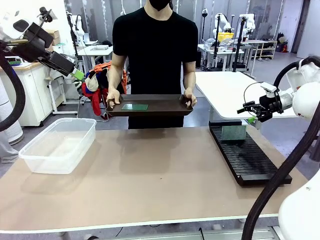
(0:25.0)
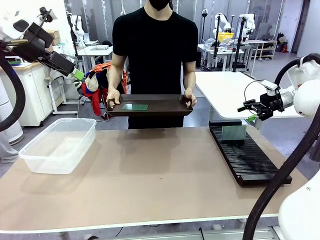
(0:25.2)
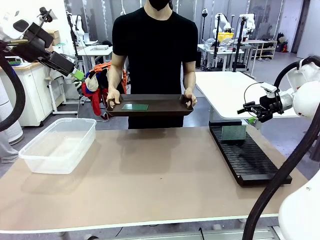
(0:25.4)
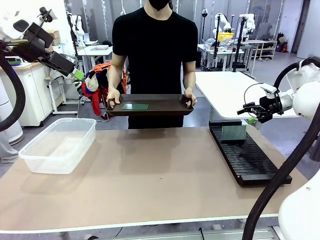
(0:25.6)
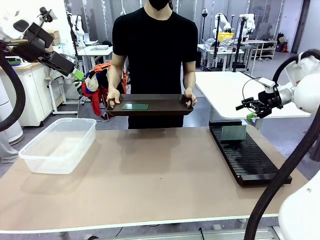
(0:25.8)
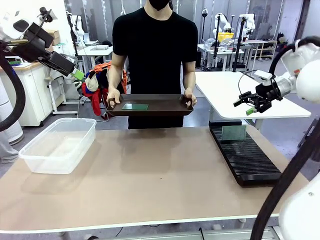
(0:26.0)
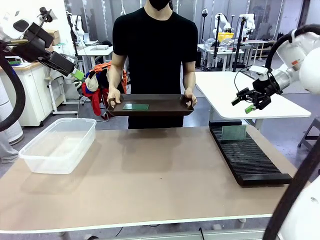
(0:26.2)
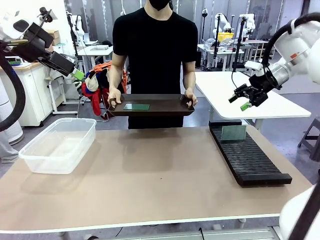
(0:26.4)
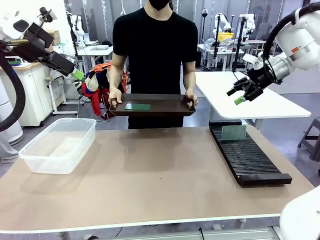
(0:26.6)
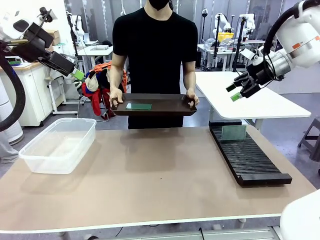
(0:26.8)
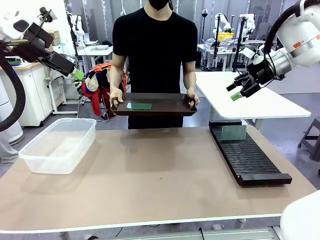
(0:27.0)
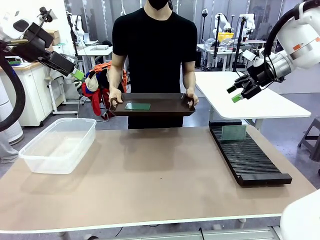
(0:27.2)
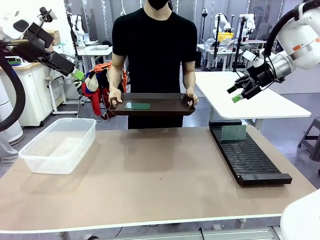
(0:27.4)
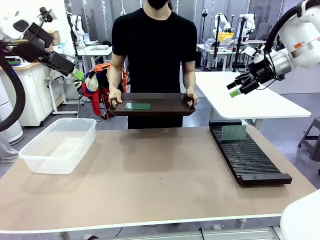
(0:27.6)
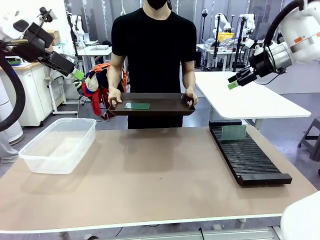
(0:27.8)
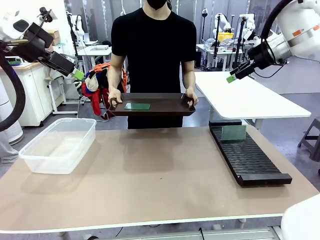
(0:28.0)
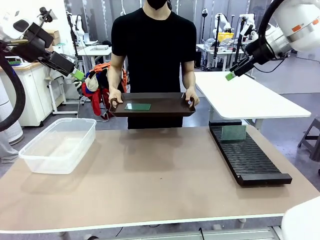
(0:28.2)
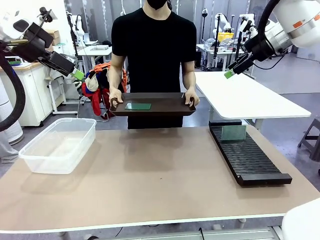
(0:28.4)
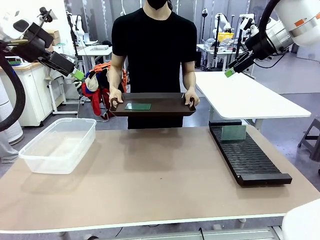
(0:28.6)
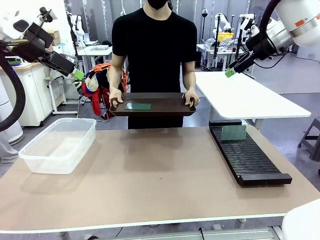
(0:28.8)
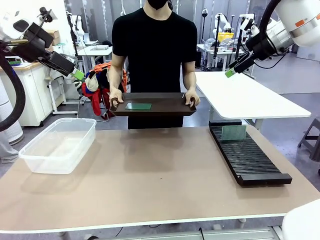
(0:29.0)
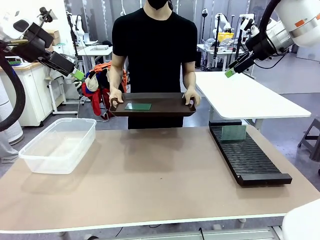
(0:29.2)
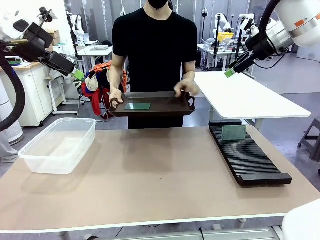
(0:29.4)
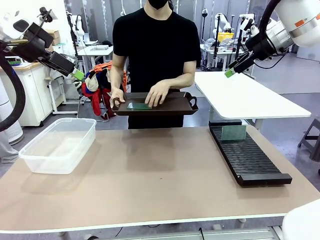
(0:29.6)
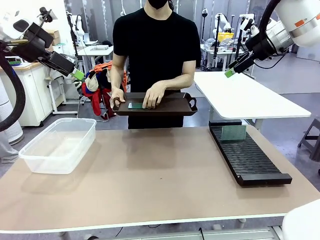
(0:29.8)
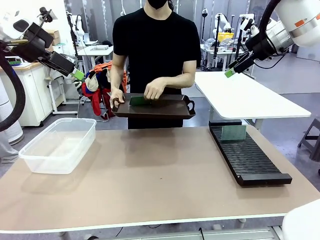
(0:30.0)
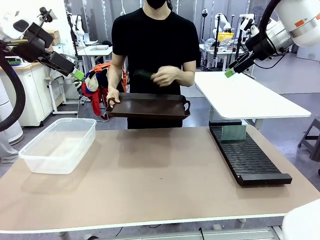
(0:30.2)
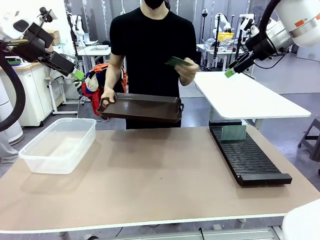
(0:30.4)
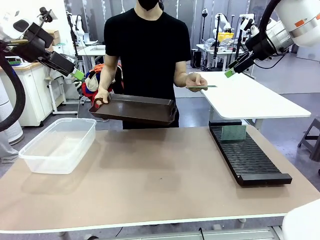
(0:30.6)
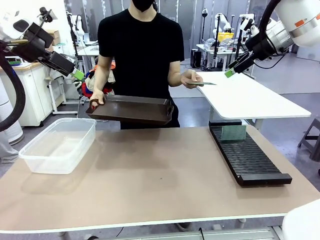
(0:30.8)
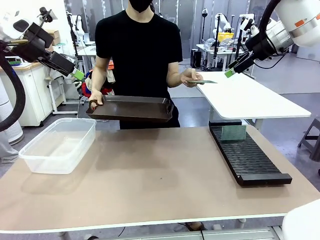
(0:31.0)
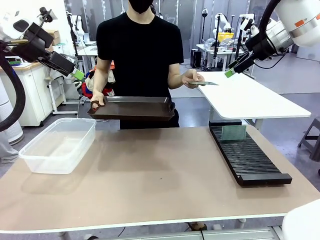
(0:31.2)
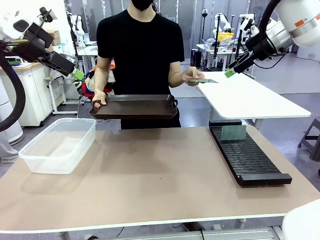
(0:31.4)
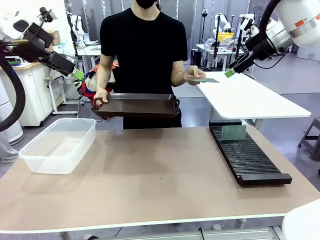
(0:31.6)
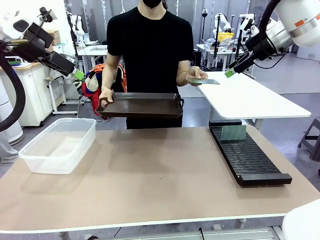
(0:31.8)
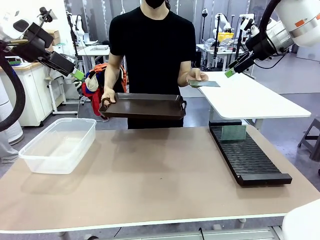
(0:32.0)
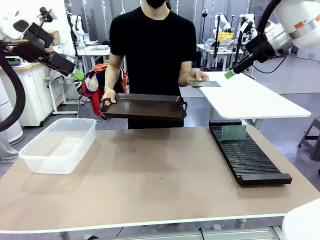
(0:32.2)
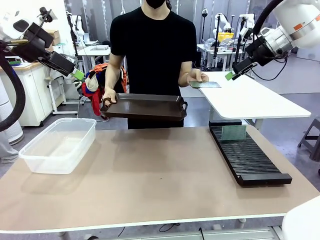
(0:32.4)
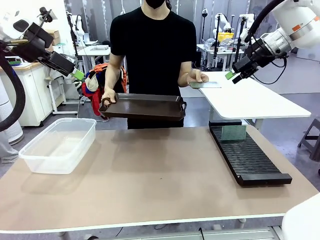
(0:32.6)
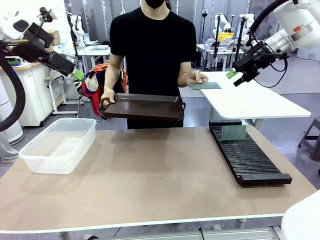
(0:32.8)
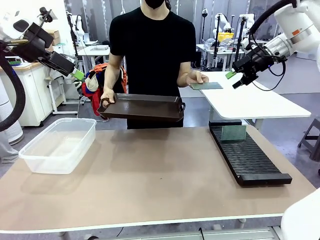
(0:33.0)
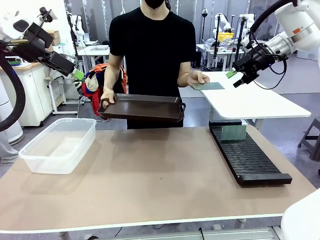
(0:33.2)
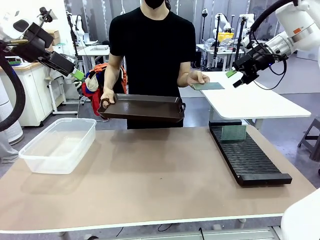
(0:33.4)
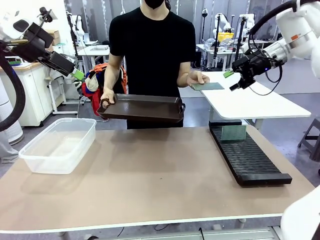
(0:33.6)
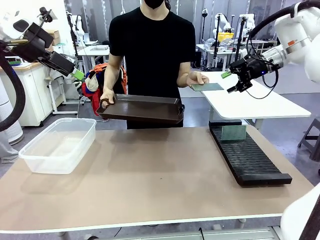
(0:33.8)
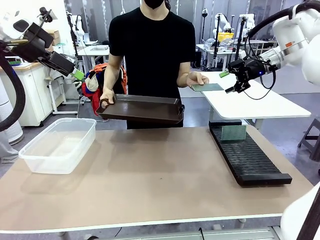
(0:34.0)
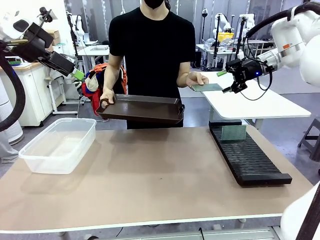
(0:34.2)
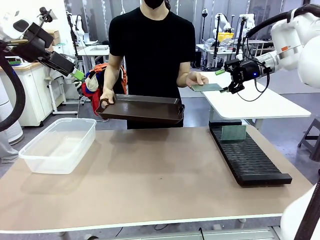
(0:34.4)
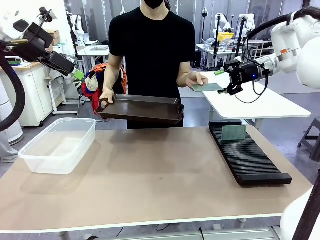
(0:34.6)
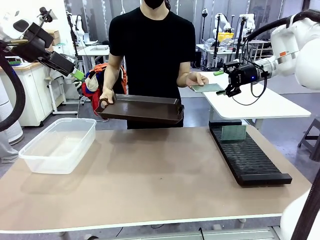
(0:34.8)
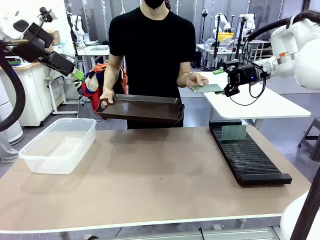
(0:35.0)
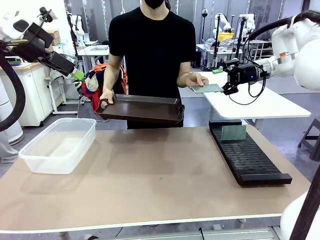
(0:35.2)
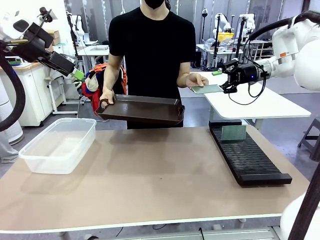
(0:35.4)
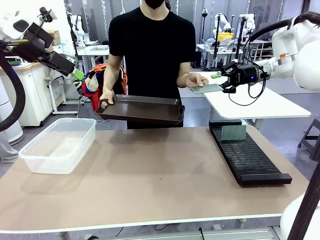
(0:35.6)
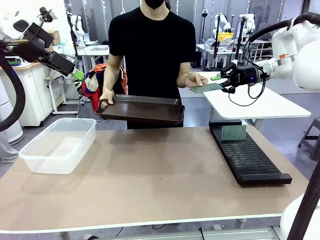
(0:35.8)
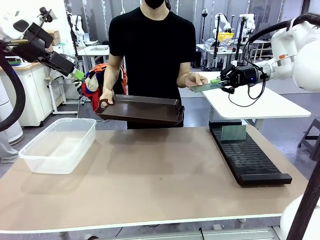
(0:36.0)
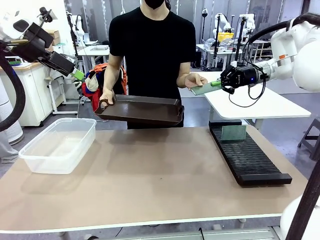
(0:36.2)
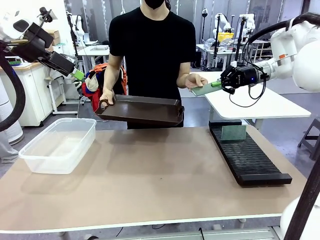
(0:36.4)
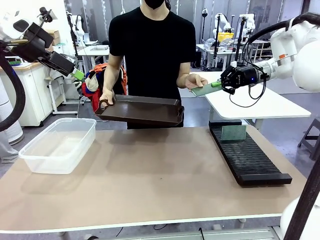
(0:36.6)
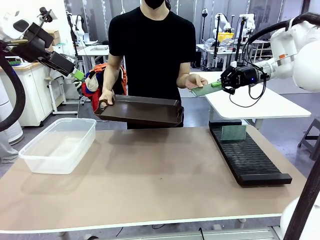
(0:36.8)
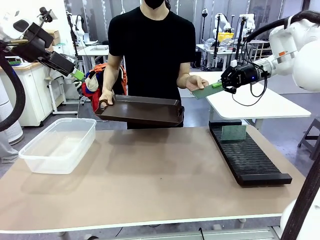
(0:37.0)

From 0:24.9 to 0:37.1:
Task: Sort PCBs into racks and boxes based on the side picked up.
Robot: Pick up the Blank PCB handed by the Human.

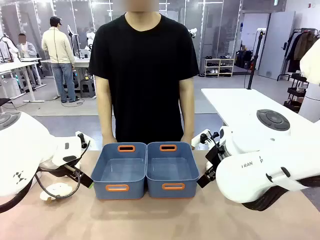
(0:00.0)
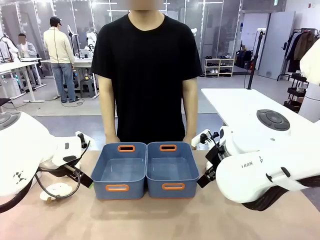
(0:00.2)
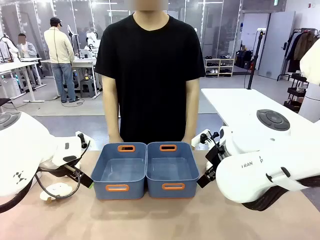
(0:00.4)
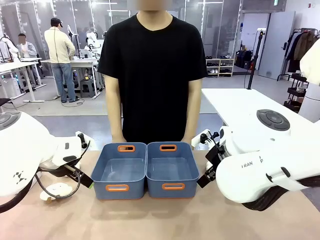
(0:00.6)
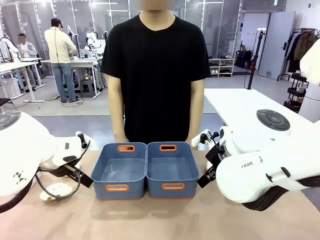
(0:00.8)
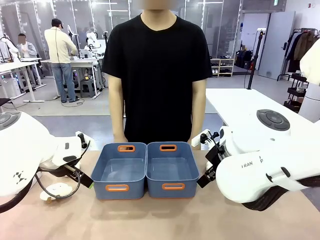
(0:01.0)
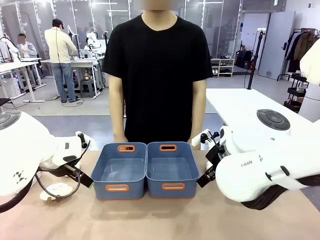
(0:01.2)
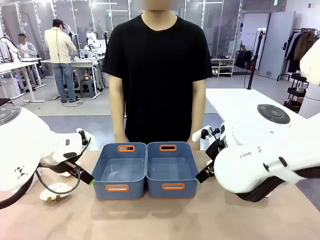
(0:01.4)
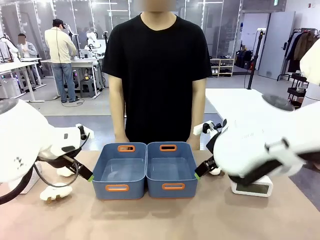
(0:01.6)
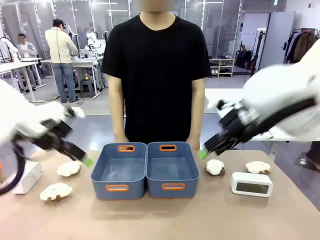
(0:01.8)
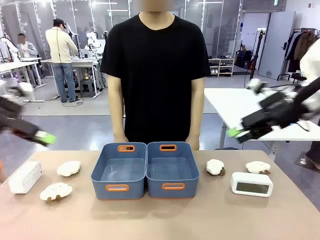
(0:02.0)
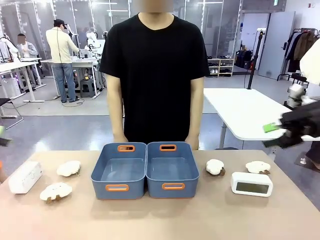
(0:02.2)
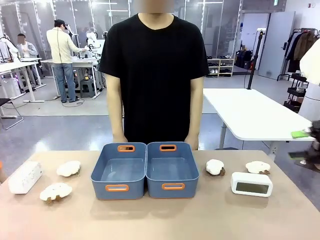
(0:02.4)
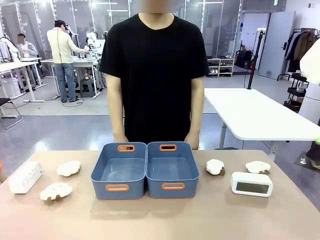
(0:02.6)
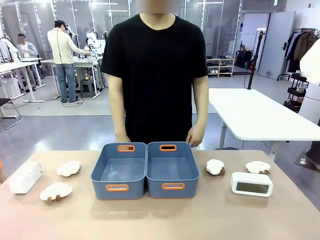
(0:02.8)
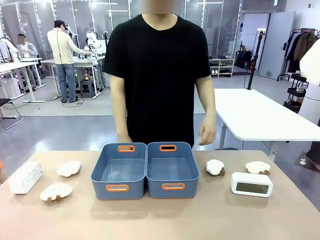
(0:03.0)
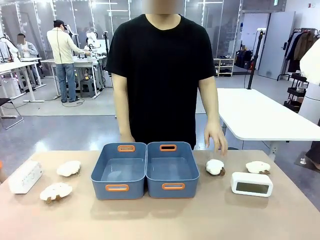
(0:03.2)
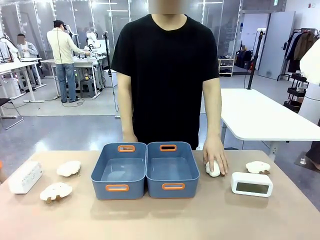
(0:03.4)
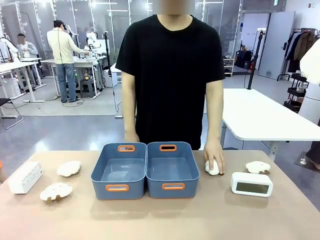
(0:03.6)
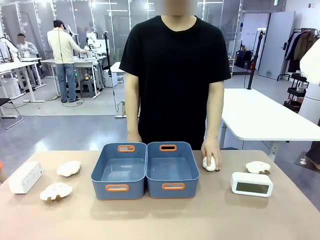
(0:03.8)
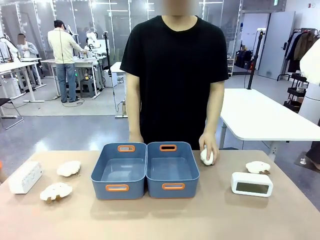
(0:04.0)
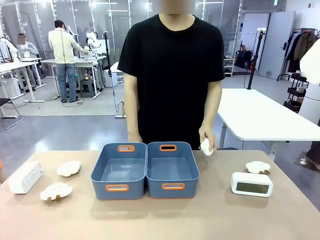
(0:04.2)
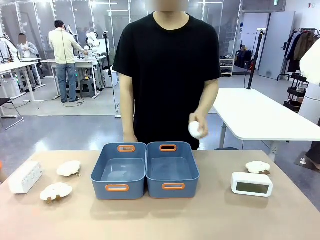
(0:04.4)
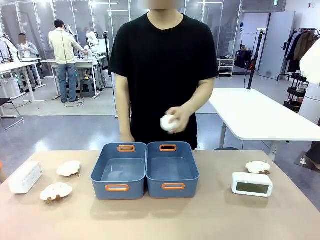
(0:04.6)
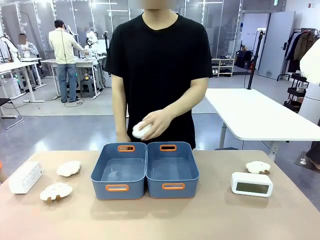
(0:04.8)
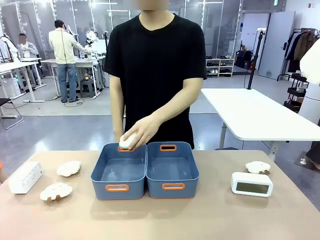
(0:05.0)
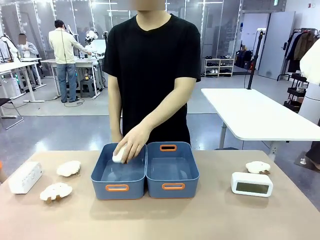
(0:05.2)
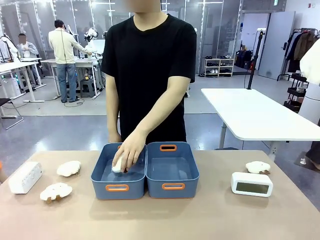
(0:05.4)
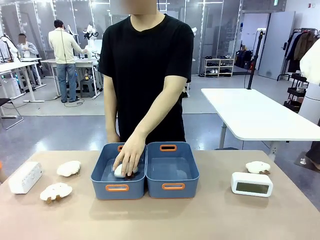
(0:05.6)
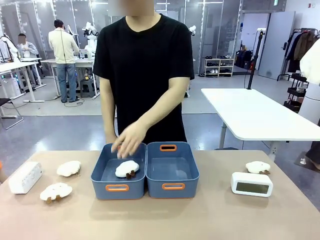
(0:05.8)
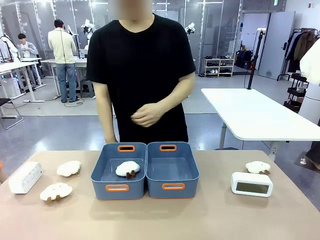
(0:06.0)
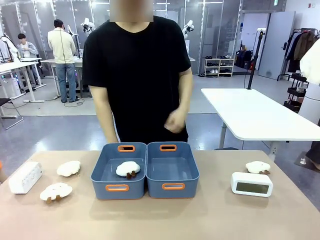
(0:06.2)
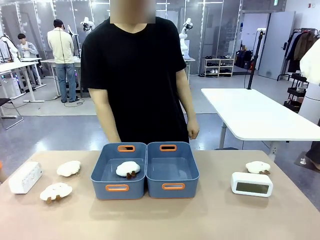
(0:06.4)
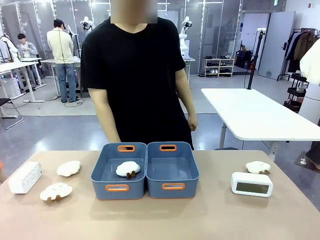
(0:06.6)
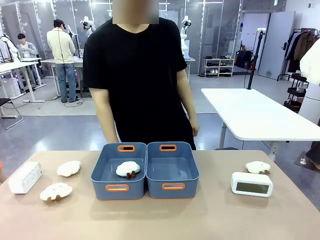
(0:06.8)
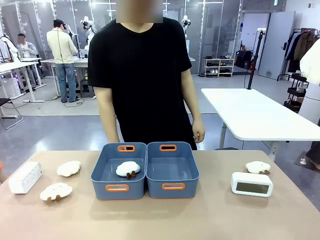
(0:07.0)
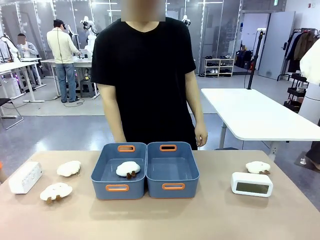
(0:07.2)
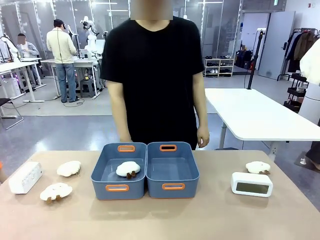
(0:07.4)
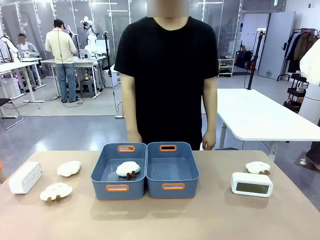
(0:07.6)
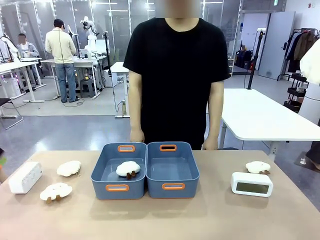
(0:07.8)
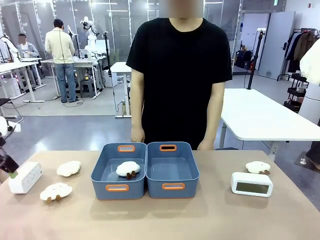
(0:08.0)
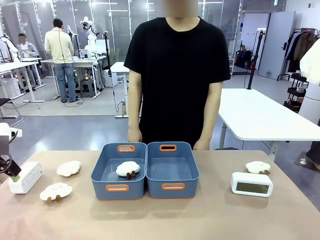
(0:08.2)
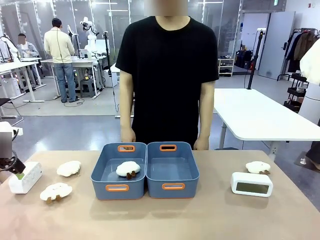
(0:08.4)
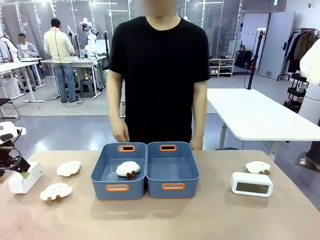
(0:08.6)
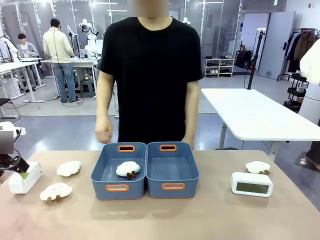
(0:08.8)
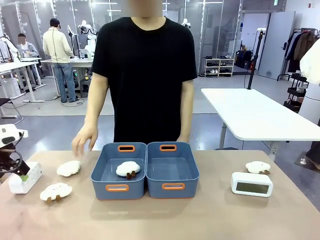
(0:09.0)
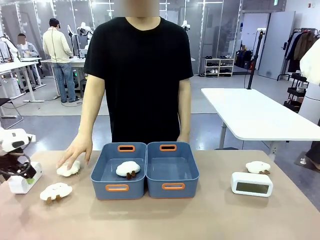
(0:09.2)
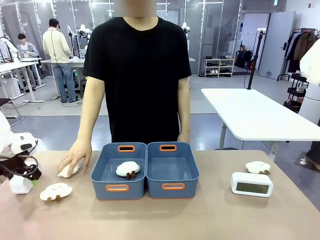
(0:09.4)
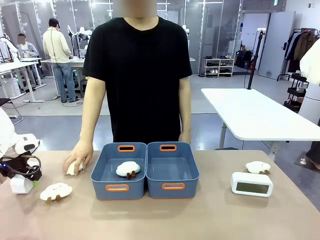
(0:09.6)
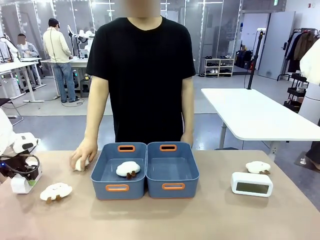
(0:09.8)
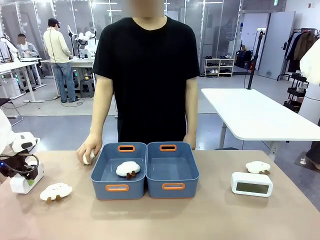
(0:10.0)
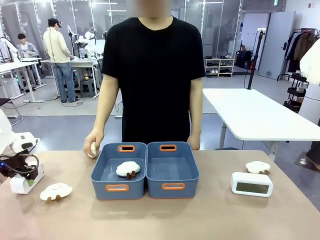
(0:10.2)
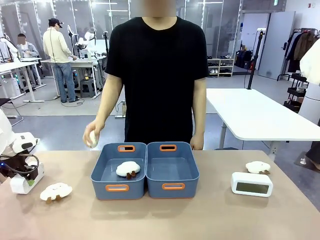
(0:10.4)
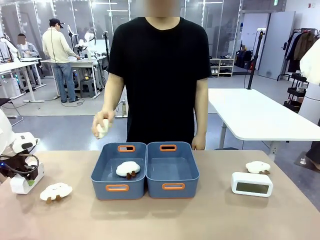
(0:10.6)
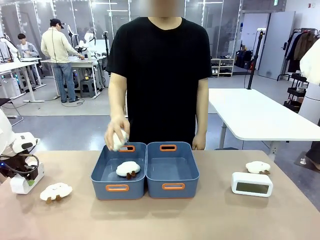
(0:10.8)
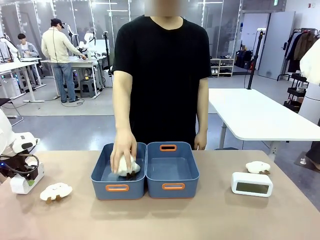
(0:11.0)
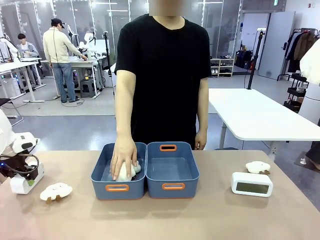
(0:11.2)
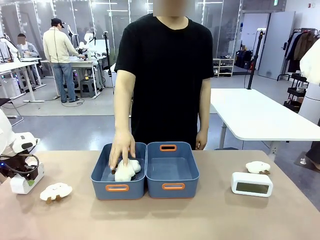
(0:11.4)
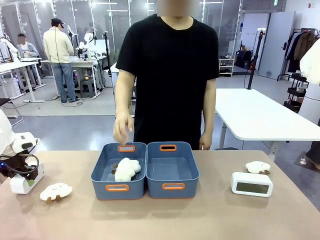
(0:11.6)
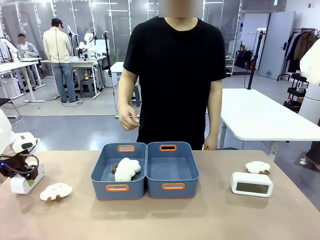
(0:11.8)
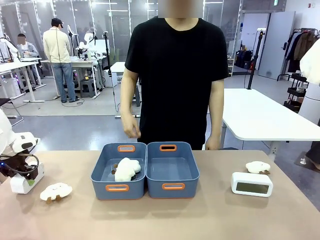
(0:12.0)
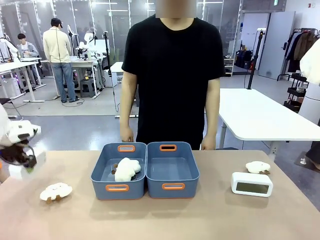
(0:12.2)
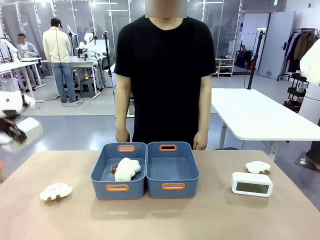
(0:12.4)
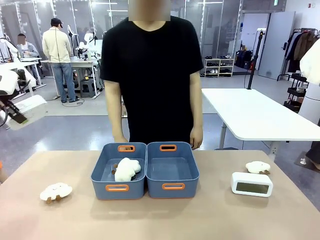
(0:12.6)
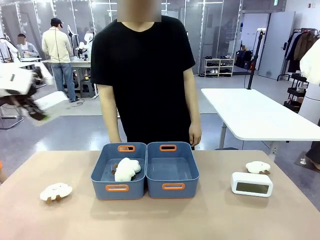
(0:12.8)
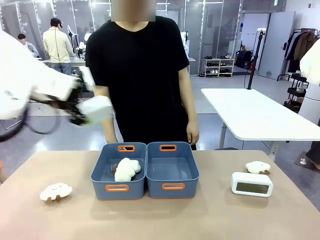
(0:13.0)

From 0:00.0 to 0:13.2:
Task: Sort the digital clocks into the basket.
Robot: Pick up the Digital clock from the table and place it into the empty Plastic storage basket.
Person: Pick up a plush toy from the table and place it in a plastic storage basket.
